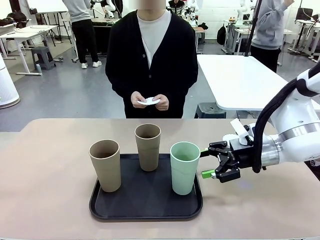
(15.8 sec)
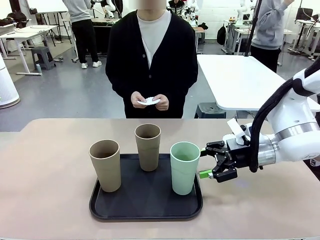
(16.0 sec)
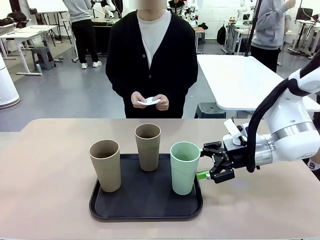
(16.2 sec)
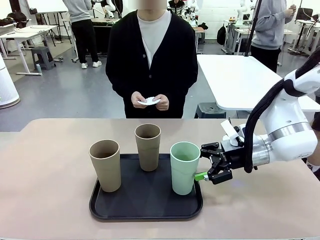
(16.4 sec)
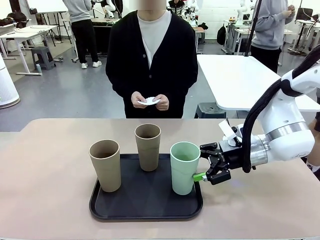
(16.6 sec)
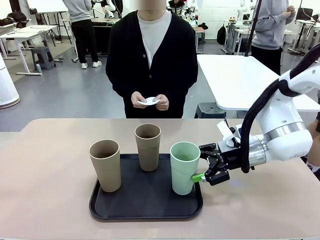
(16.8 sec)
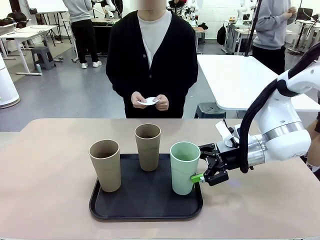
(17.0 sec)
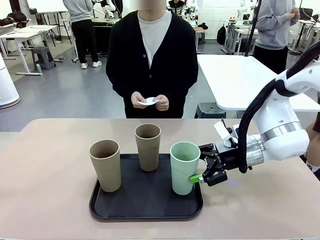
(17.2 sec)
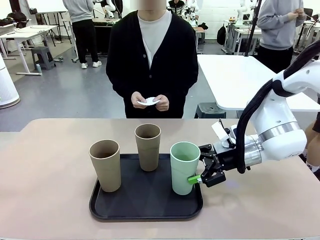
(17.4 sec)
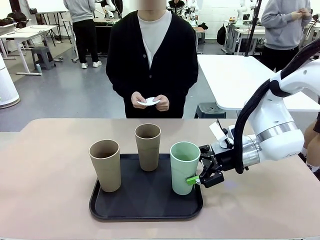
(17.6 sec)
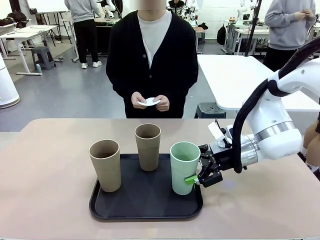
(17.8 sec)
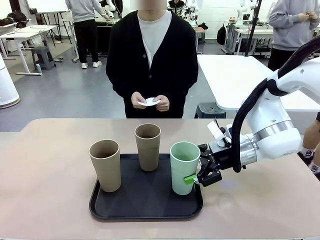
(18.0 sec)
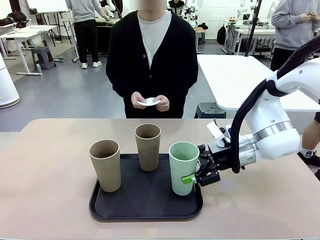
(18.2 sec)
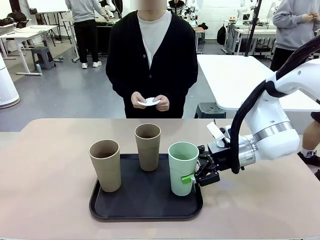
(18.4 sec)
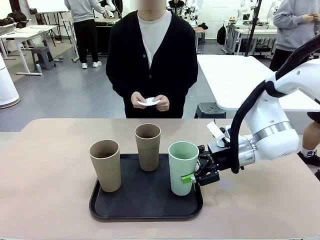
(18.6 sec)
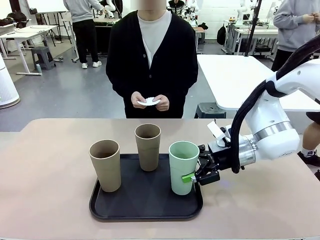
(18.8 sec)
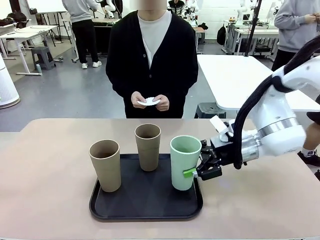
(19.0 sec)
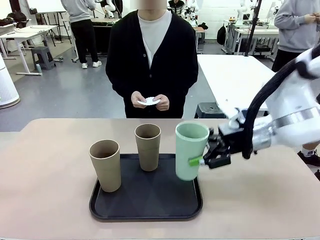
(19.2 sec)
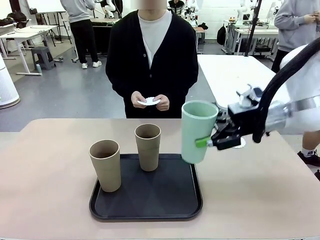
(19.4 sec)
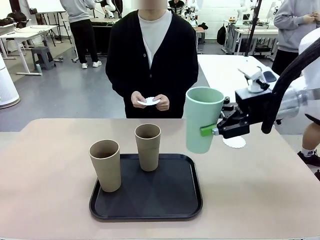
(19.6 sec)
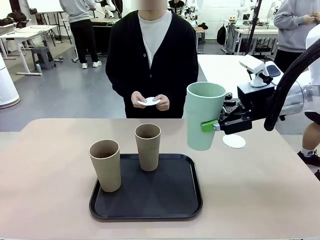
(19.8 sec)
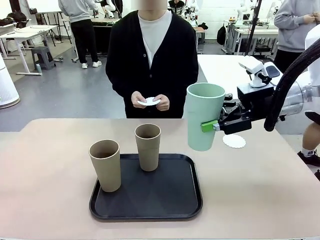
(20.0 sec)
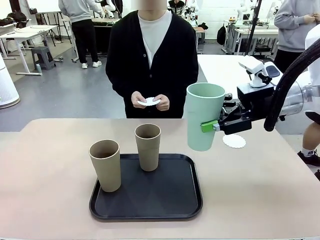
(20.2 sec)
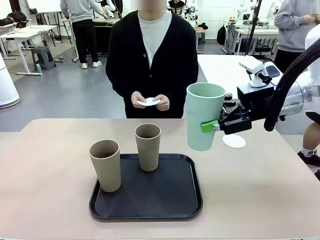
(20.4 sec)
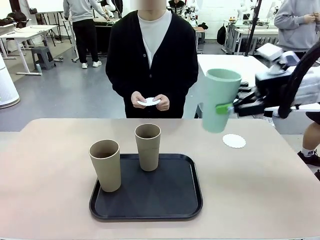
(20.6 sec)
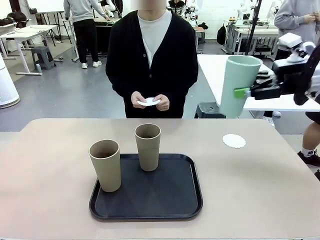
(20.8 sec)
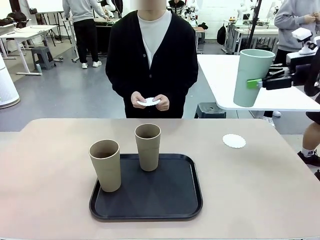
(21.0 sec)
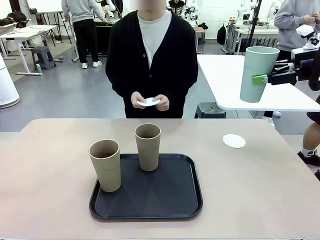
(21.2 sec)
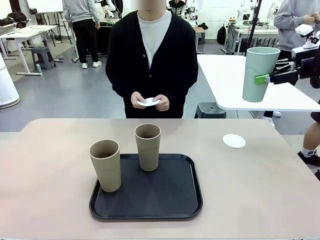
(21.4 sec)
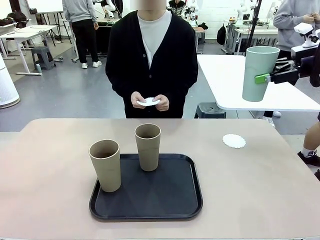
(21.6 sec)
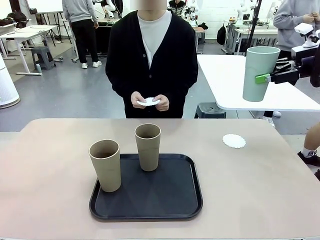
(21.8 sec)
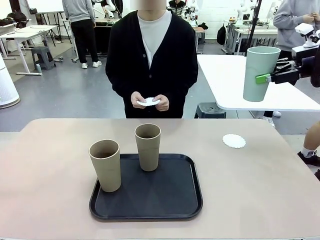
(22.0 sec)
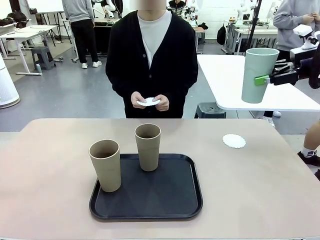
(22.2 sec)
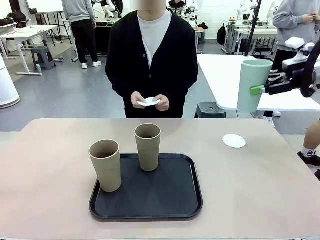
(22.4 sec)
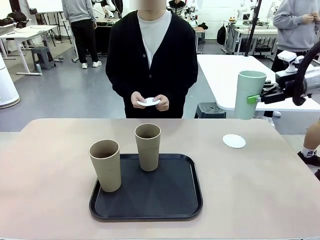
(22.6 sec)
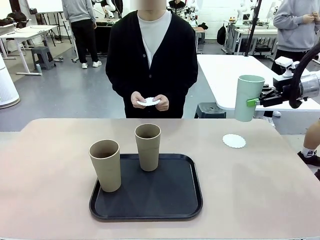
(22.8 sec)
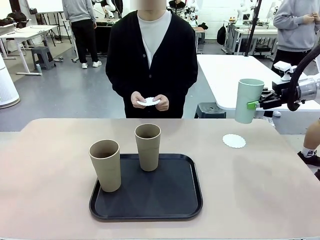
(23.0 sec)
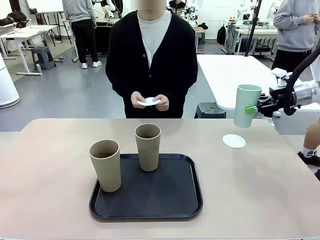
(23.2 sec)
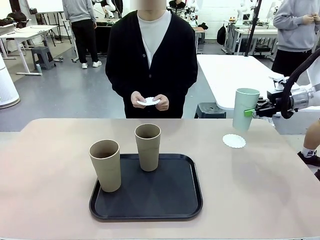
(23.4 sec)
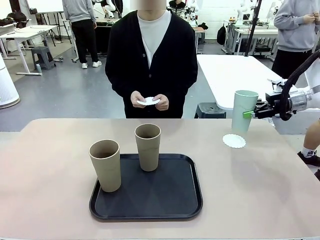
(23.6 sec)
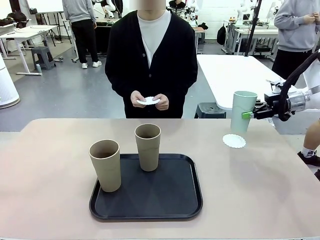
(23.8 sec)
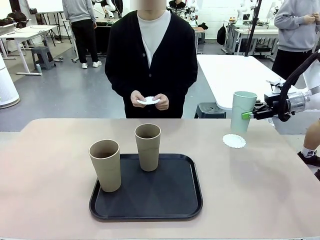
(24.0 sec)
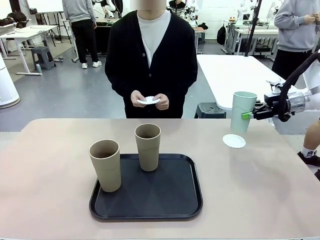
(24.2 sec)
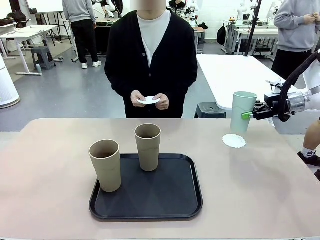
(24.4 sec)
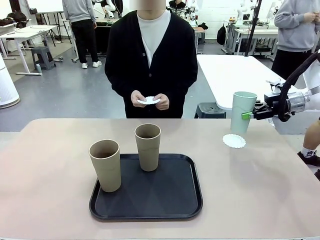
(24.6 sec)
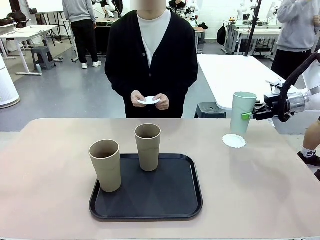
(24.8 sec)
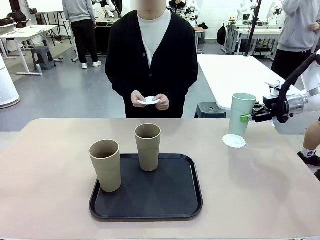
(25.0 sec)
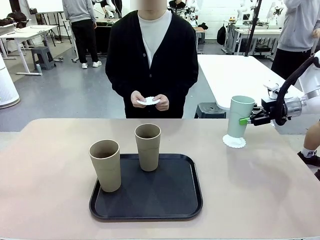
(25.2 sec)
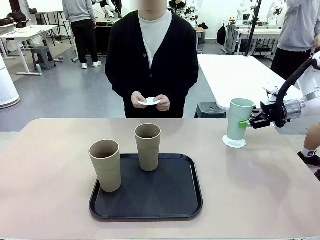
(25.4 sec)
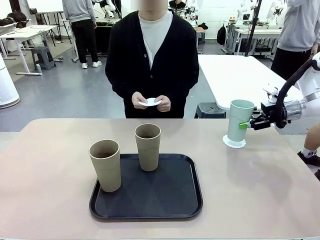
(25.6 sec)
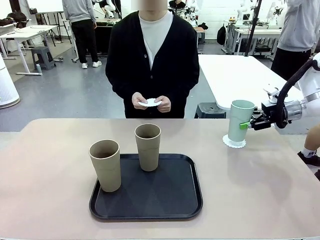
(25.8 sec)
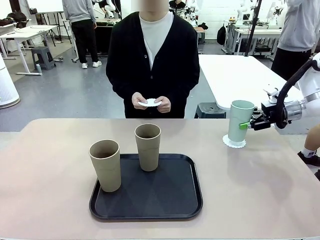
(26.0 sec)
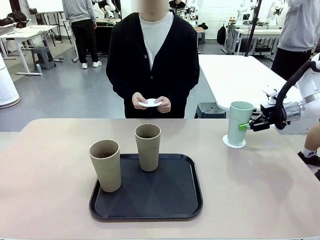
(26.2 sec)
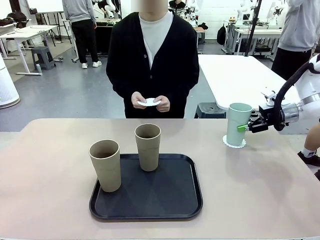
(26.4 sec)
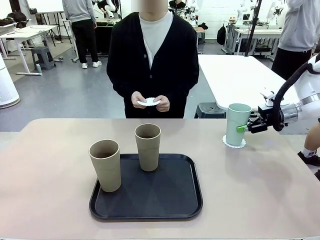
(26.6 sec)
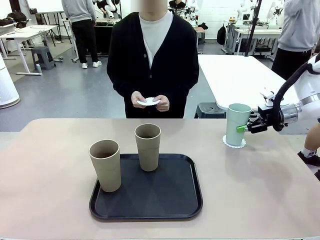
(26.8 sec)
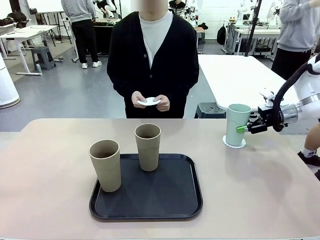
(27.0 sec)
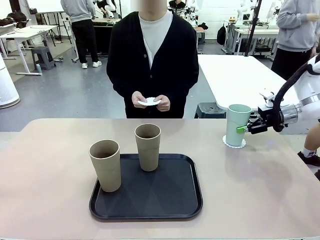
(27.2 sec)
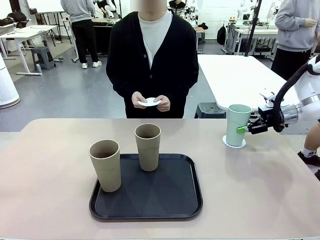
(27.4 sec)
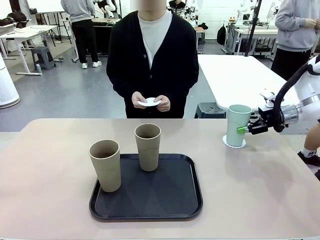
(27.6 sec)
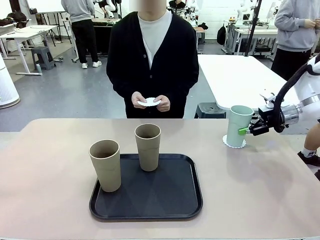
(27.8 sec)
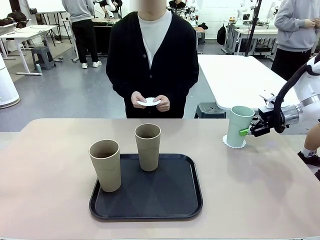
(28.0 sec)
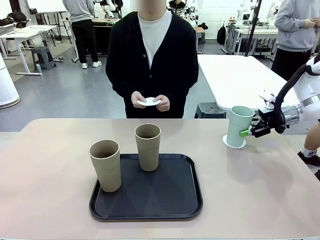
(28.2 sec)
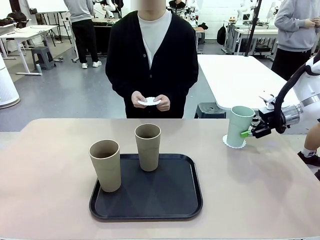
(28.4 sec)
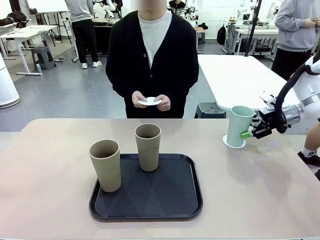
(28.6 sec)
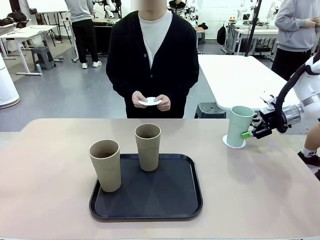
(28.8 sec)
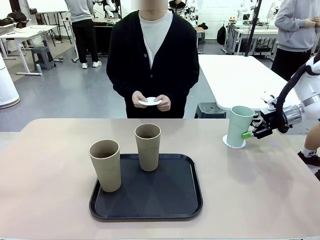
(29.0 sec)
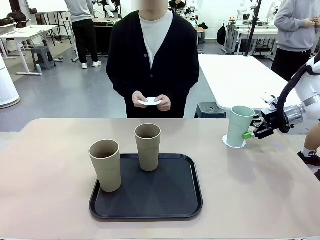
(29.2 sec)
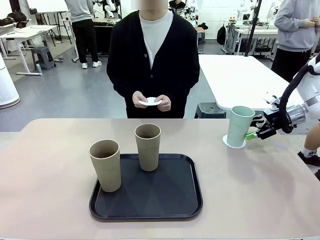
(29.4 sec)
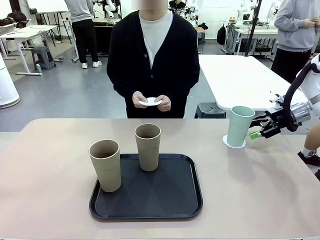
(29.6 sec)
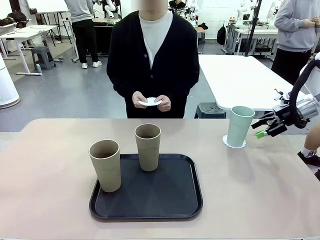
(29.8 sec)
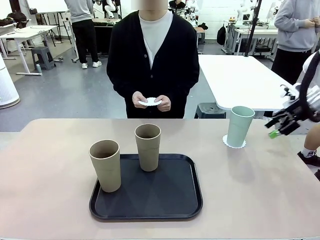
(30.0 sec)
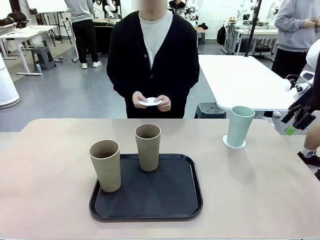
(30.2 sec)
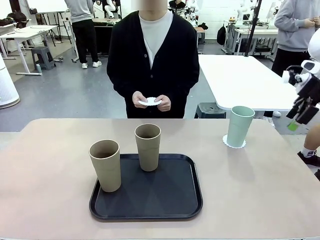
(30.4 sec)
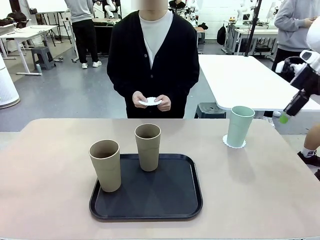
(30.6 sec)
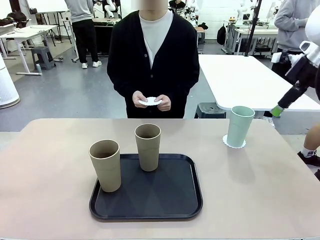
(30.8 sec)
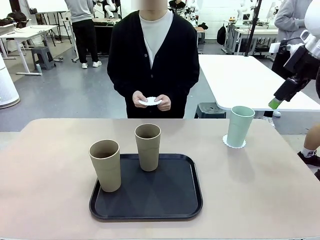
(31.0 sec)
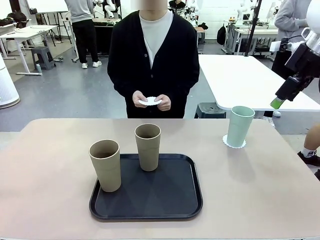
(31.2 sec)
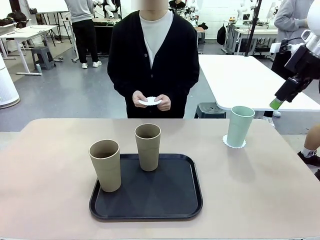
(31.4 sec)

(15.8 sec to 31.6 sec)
Task: Place coasters on the table and set cups on them.
Robot: Pick up one Reusable plastic cup and place it on a coaster set by the human.
Person: Place one coaster in one of the two areas excluding the previously selected area.
